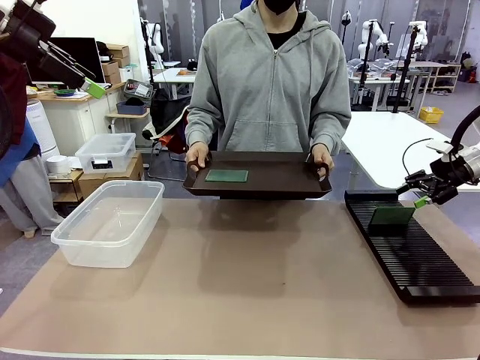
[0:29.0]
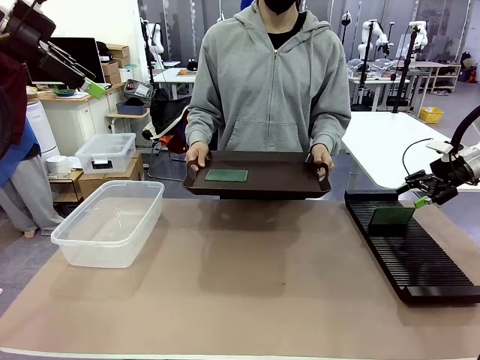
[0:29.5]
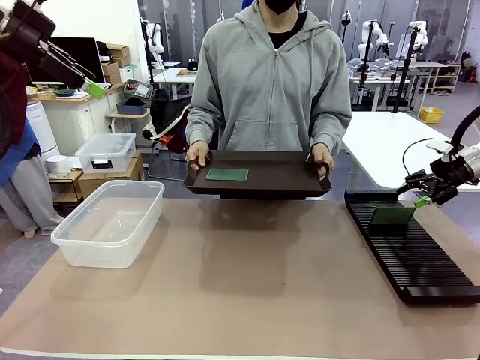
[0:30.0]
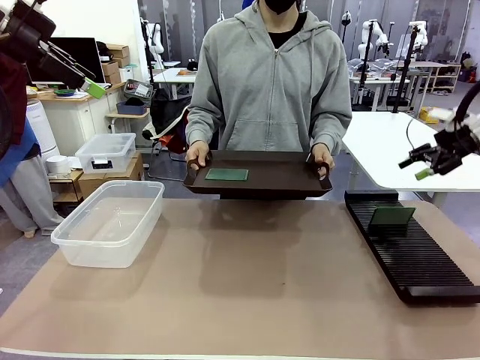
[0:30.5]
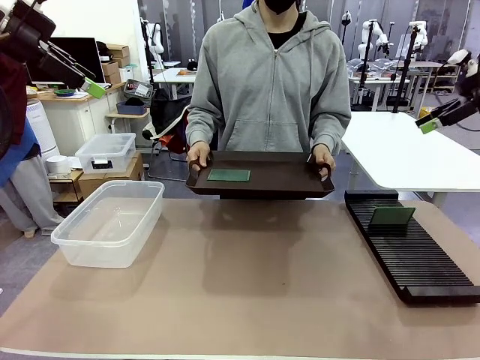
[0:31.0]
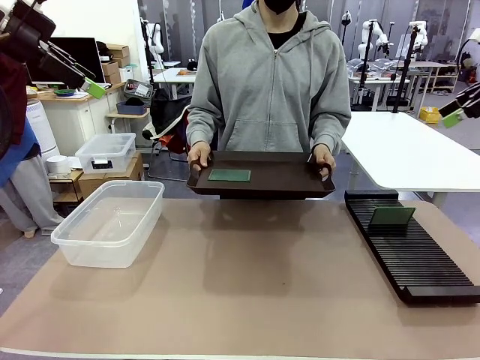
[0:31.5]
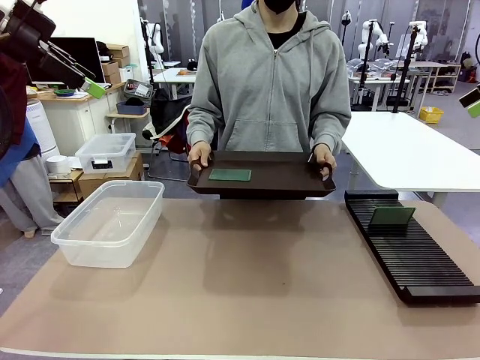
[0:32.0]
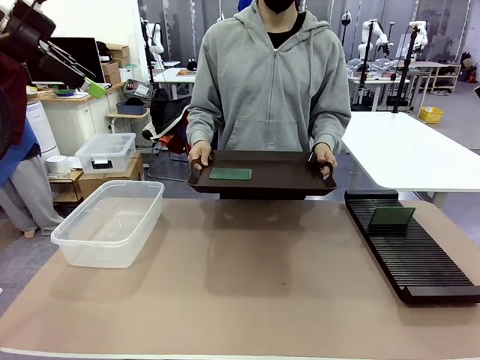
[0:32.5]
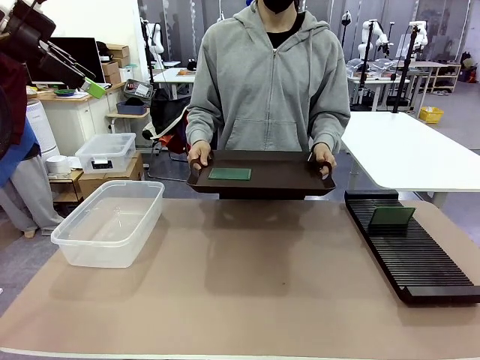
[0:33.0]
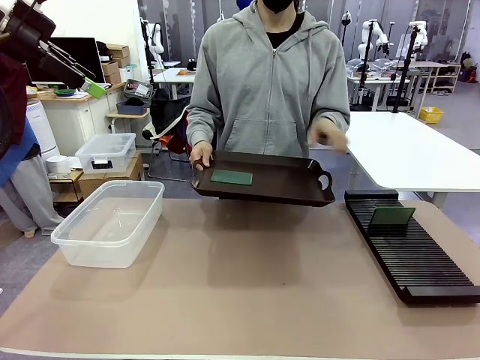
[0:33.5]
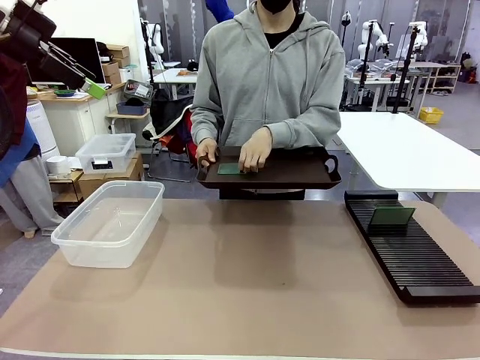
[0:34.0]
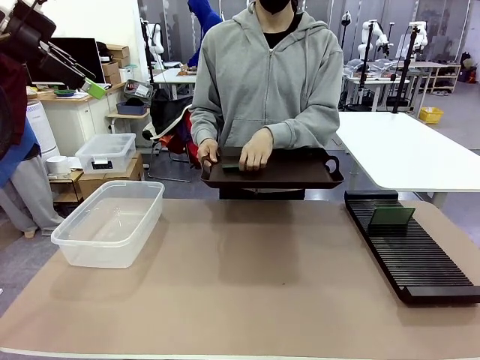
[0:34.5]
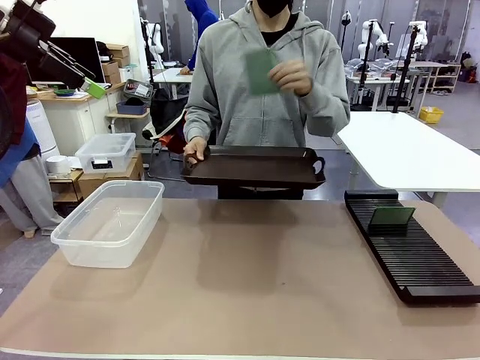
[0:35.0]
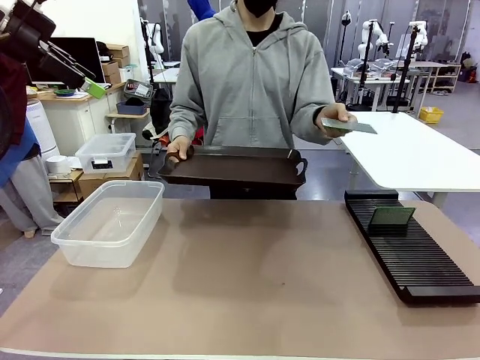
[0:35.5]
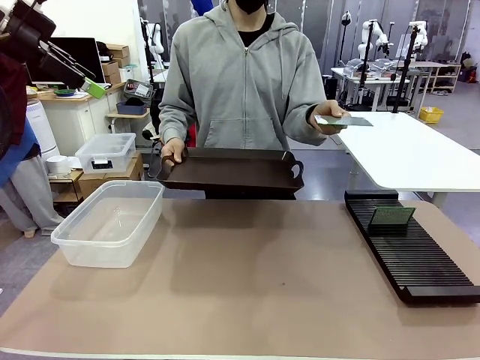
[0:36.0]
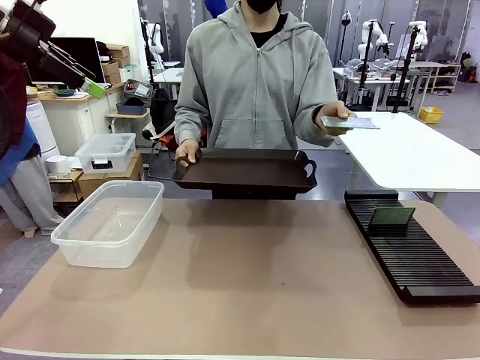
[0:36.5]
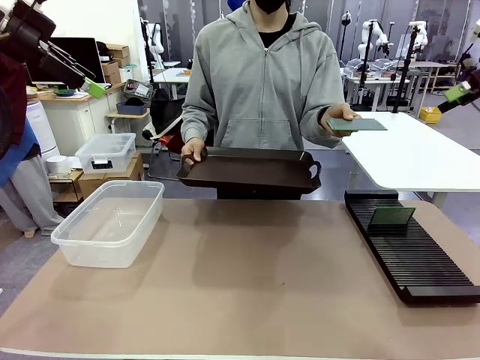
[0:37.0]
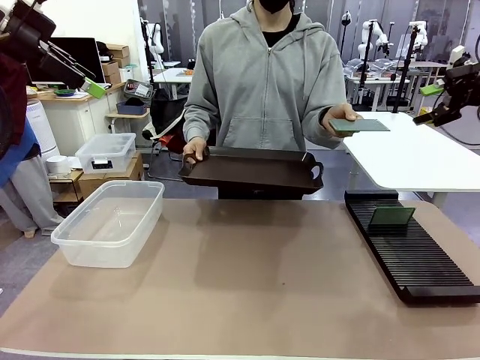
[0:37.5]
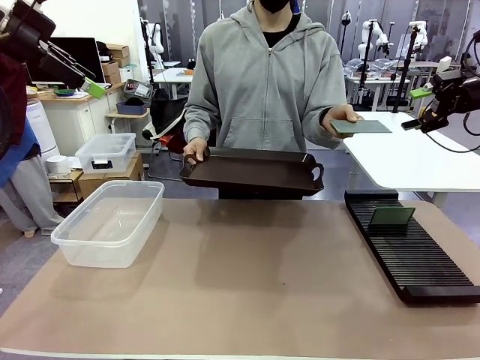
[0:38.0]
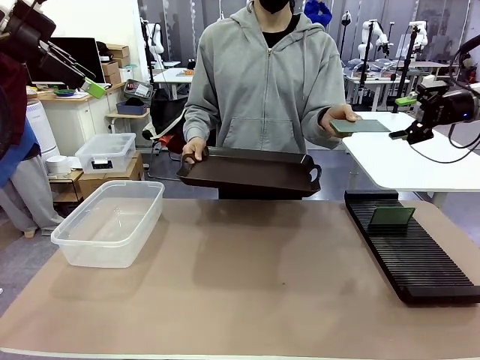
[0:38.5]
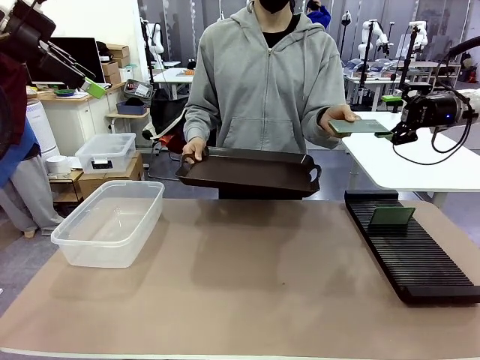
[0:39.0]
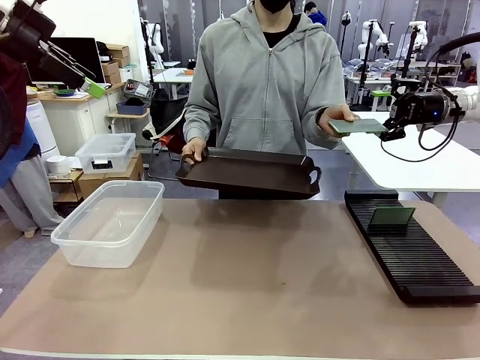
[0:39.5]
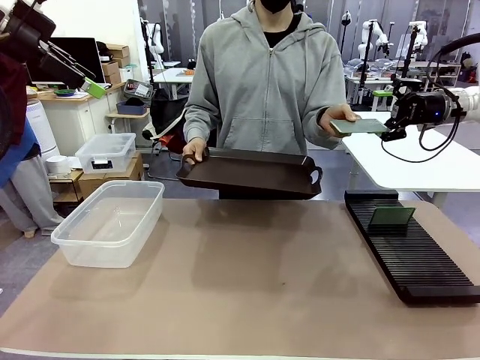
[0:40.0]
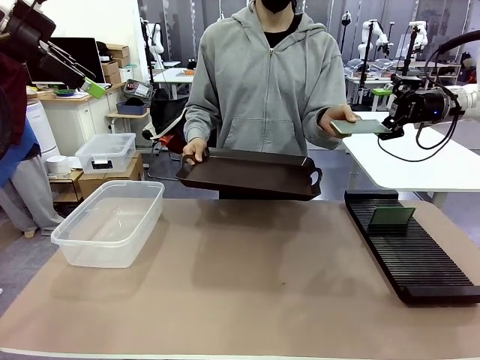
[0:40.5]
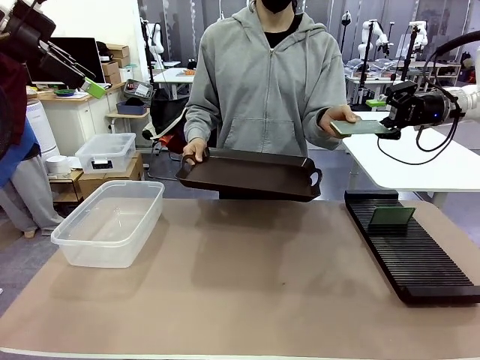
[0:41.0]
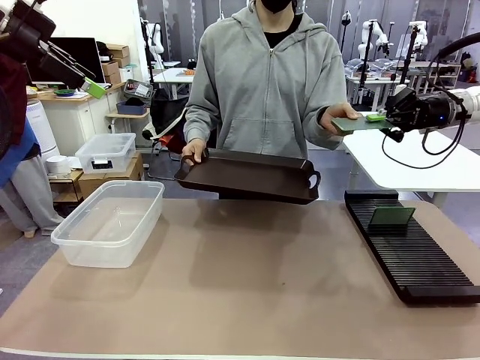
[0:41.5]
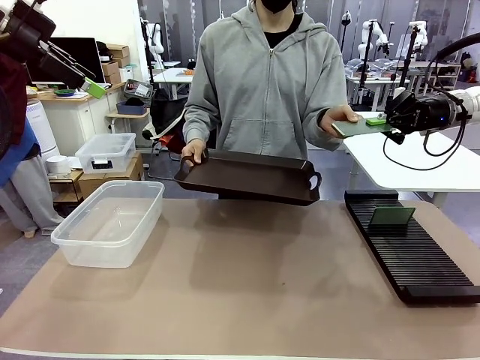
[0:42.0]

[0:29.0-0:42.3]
Task: Sort PCBs into racks and boxes based on the side picked up.
Robot: Pick up the Blank PCB handed by the Human.

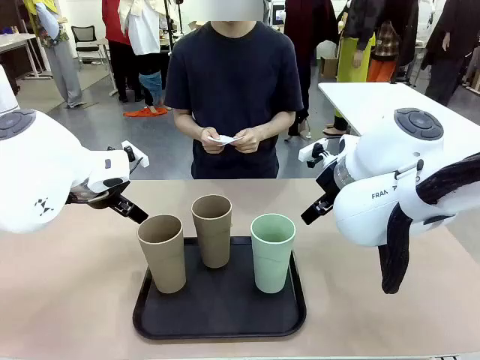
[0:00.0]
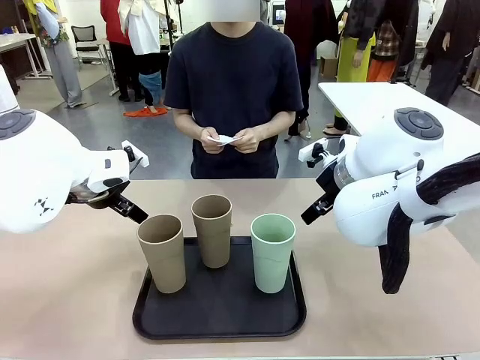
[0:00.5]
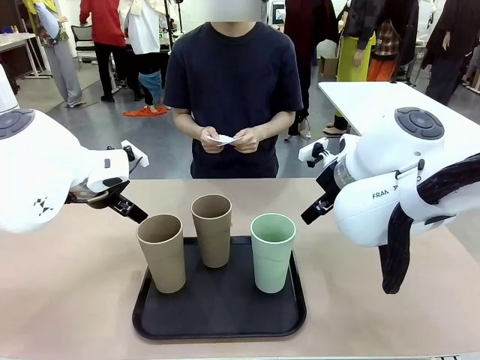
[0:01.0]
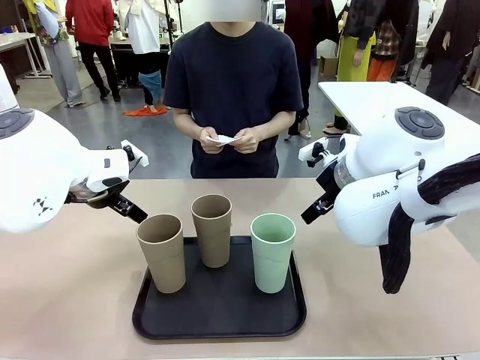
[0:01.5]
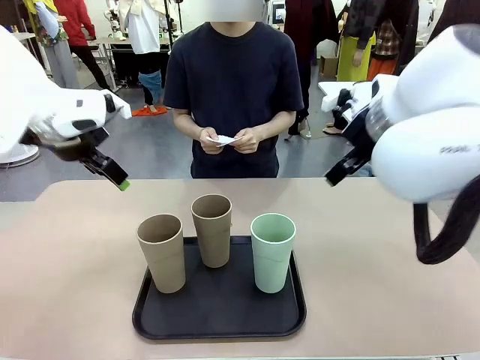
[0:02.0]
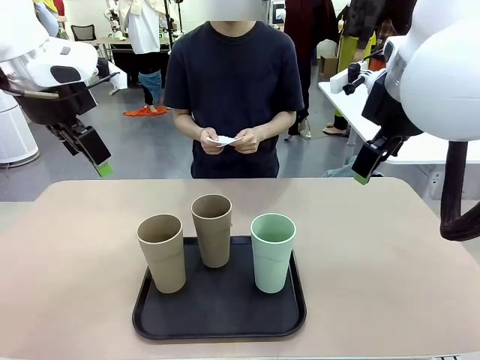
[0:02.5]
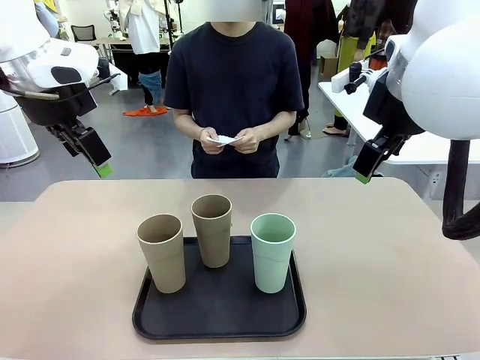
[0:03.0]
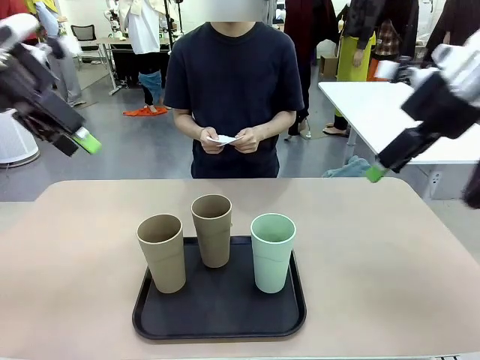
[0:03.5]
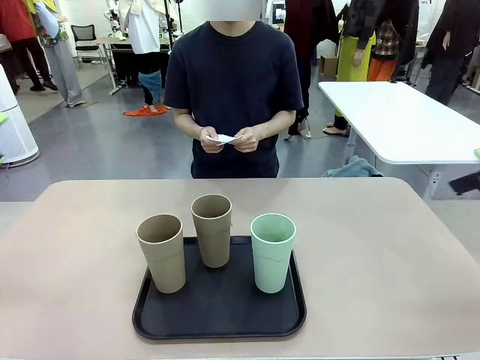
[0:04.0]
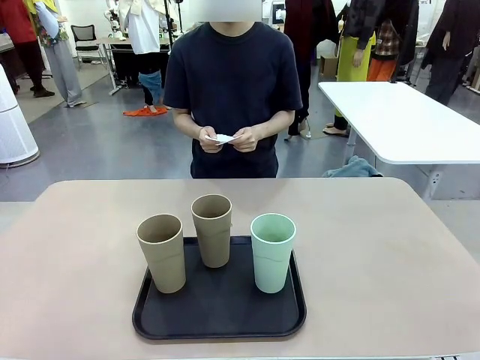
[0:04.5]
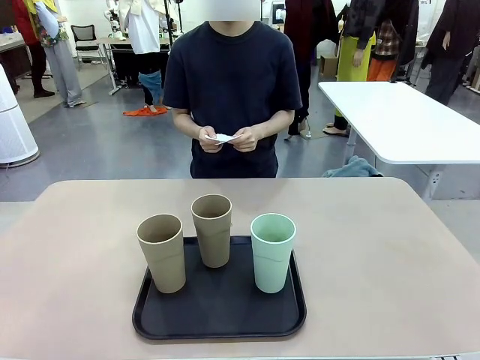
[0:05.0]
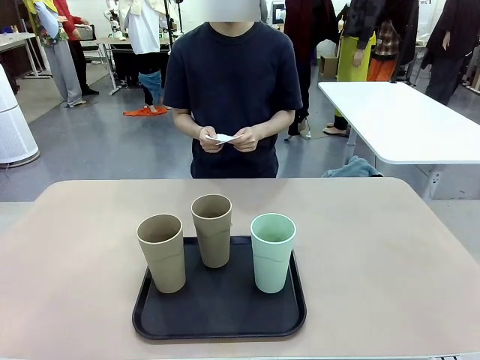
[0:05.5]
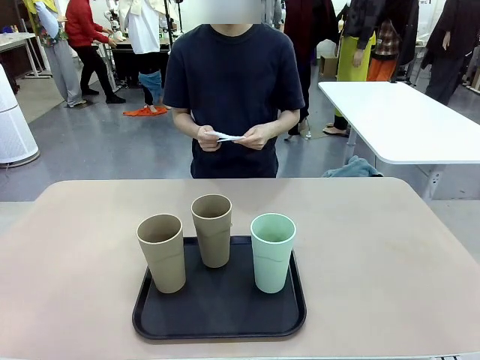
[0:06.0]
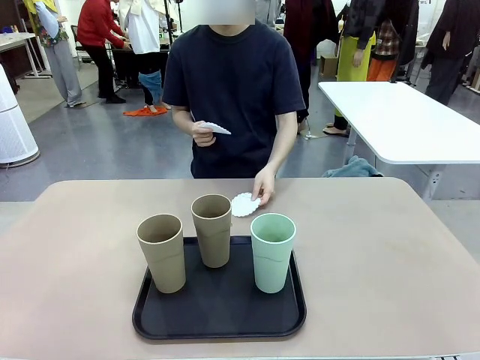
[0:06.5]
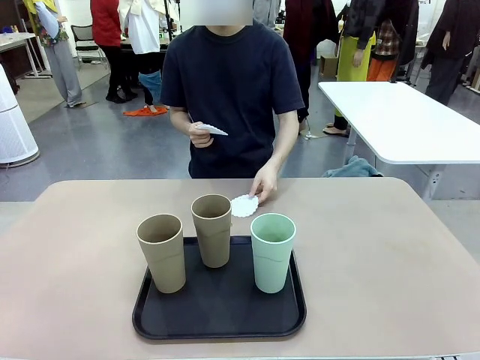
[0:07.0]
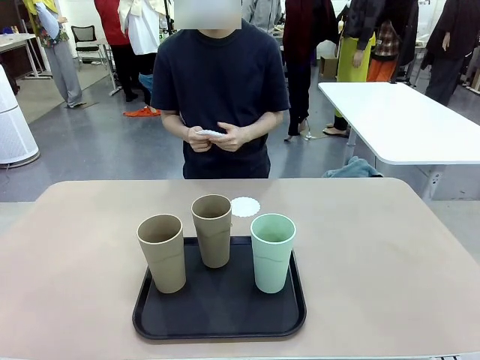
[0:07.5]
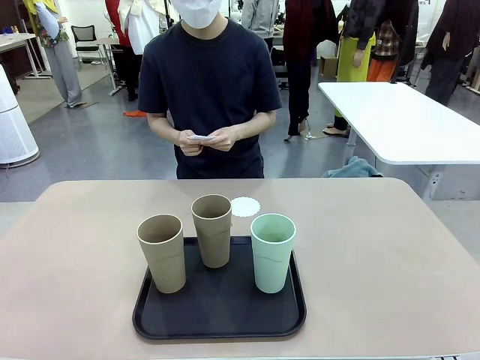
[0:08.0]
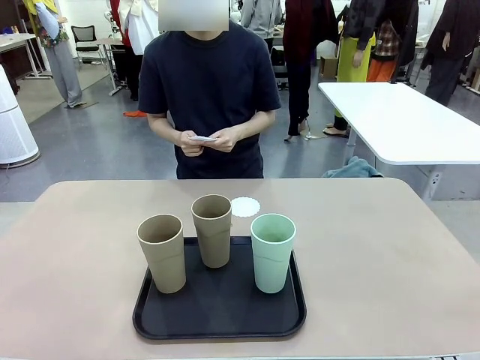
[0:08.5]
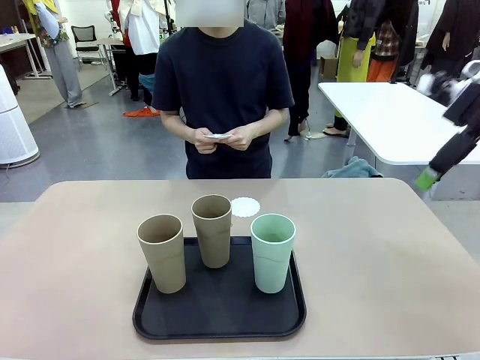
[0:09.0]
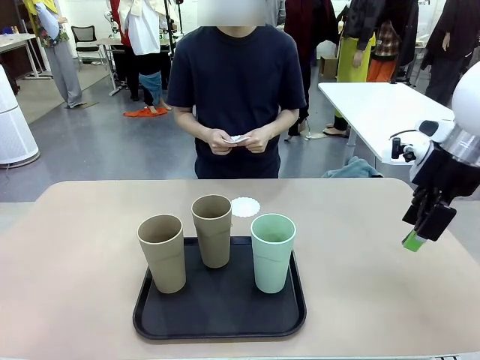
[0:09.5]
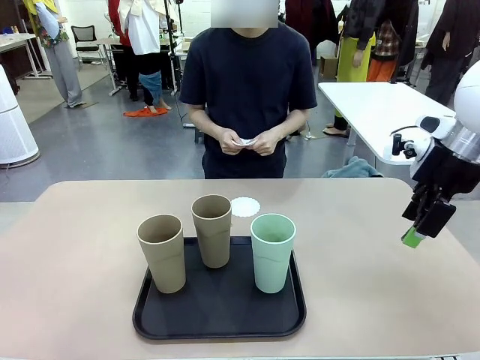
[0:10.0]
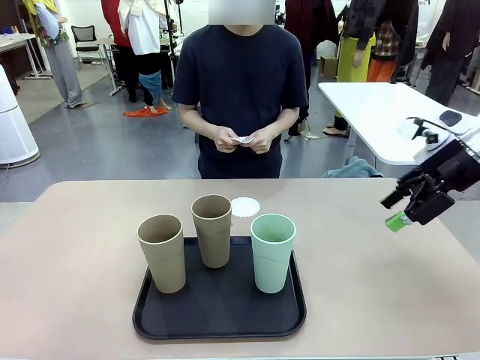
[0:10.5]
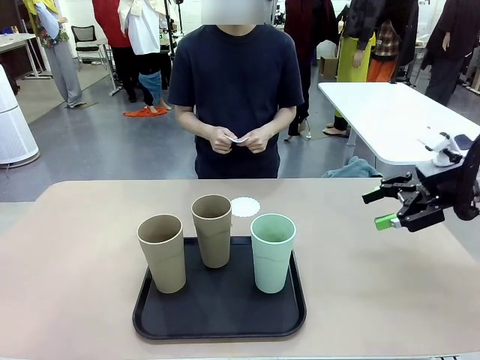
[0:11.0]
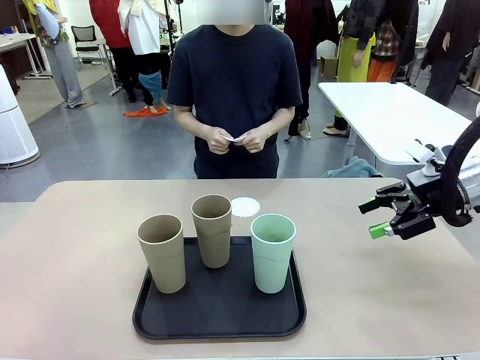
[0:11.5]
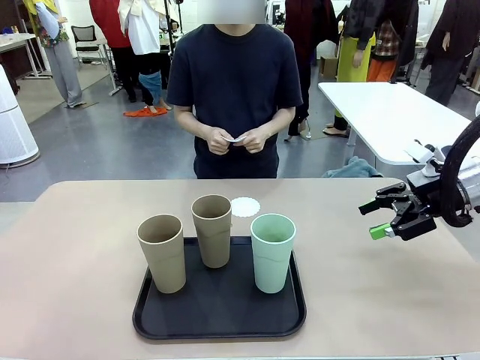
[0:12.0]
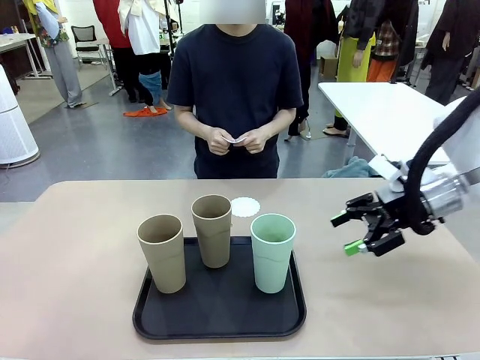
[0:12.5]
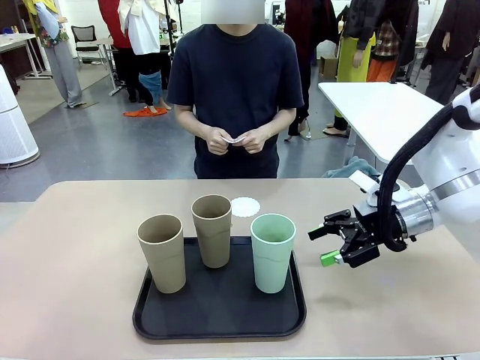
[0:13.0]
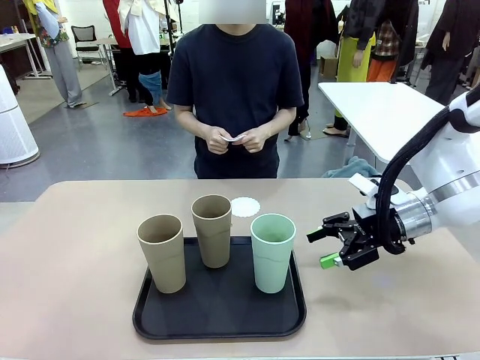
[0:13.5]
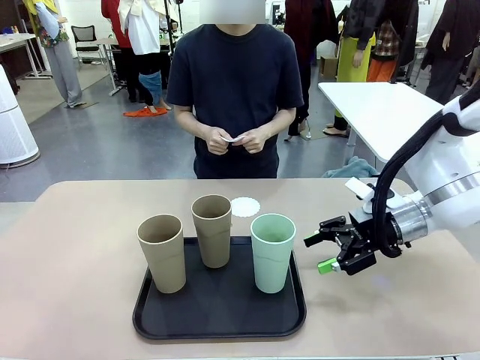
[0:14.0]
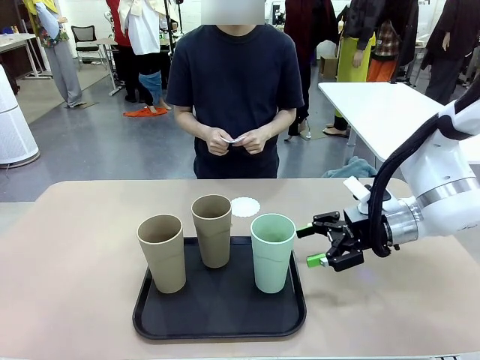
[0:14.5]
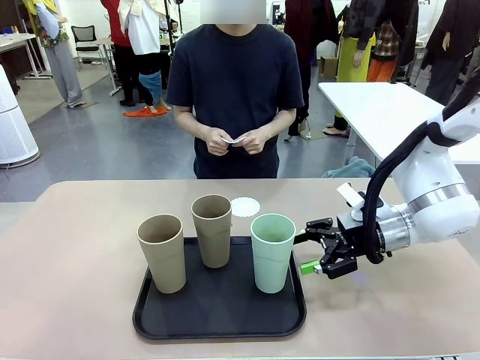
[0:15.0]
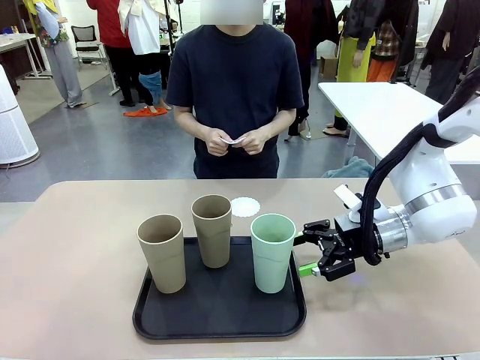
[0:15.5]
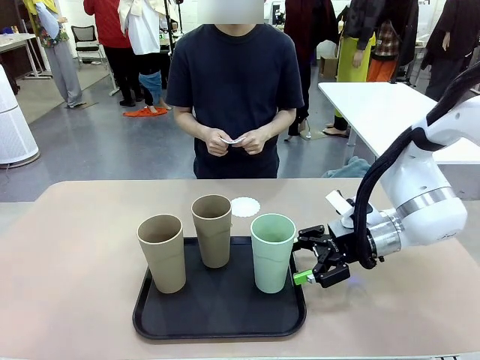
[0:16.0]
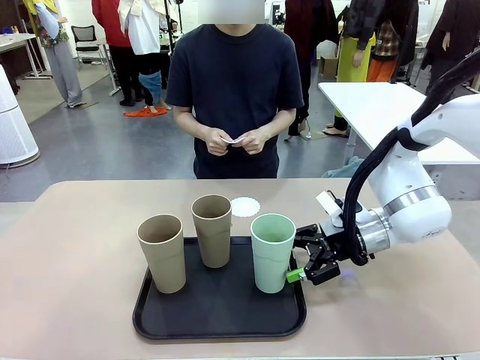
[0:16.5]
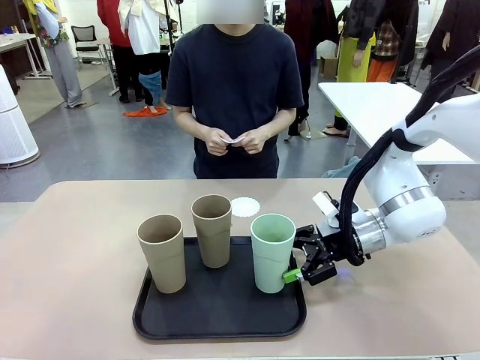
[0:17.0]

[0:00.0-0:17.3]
Task: Place coasters on the table and set cups on them.
Robot: Pick up one Reusable plastic cup and place it on a coaster set by the human.
Person: Place one coaster in any one of the three lower areas of the robot table (left, center, or right).
